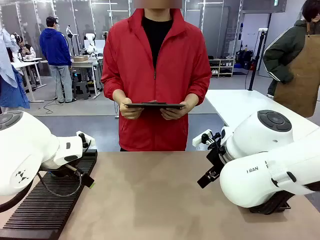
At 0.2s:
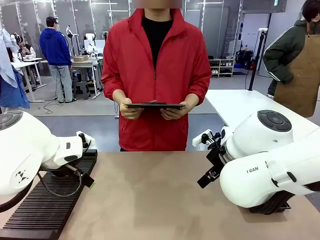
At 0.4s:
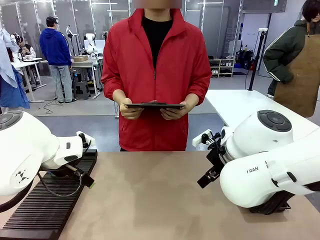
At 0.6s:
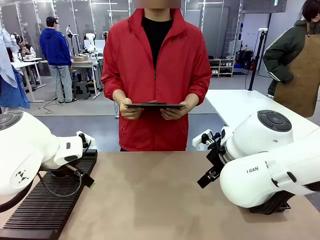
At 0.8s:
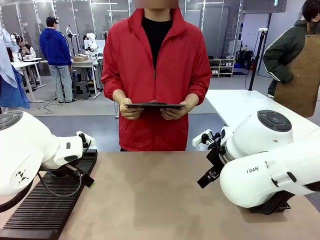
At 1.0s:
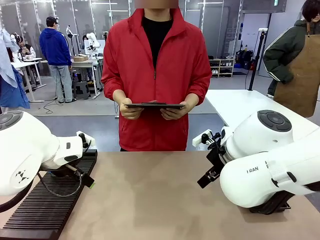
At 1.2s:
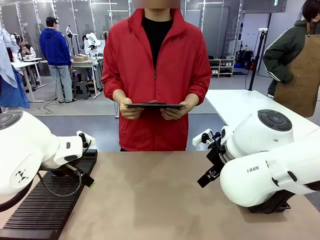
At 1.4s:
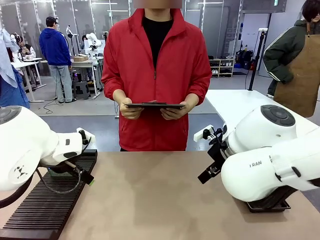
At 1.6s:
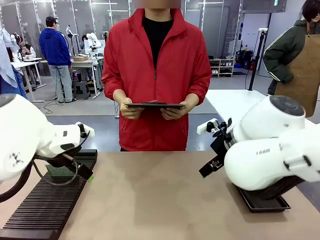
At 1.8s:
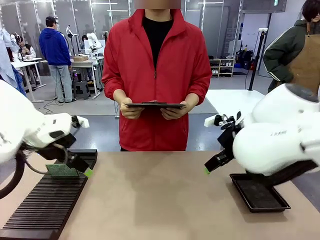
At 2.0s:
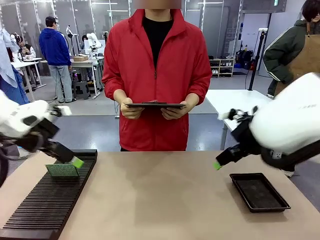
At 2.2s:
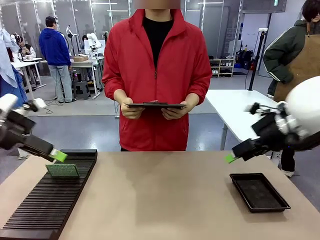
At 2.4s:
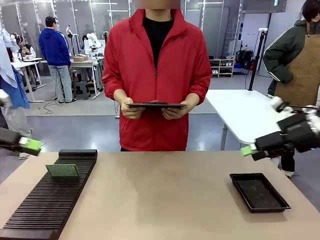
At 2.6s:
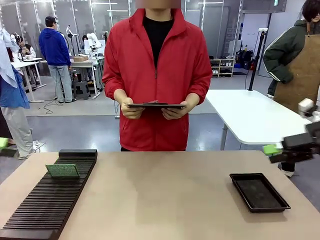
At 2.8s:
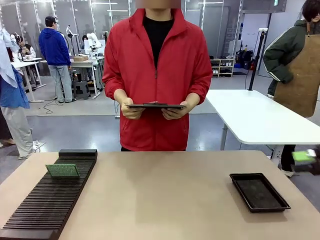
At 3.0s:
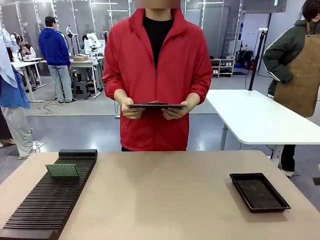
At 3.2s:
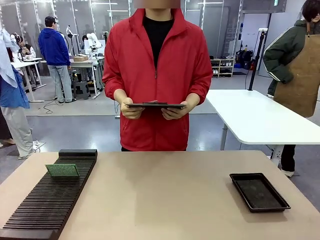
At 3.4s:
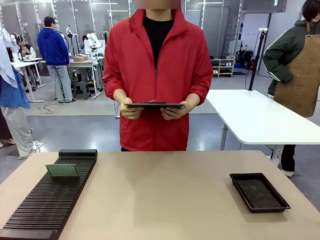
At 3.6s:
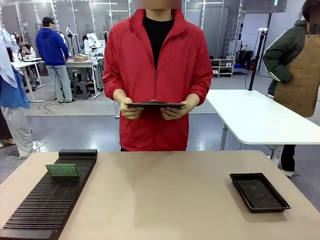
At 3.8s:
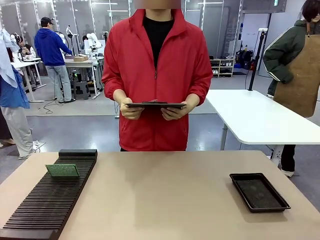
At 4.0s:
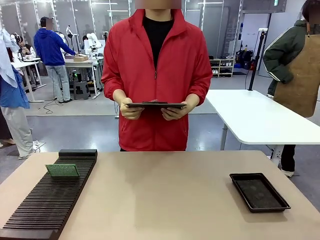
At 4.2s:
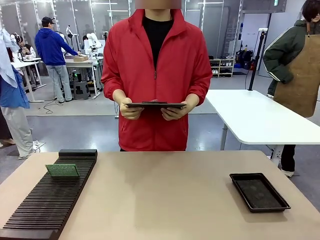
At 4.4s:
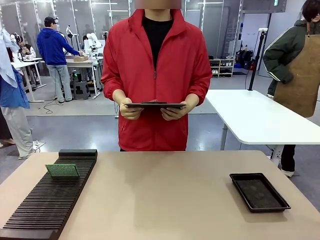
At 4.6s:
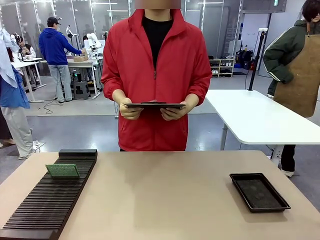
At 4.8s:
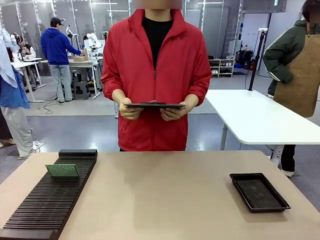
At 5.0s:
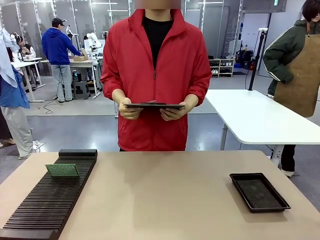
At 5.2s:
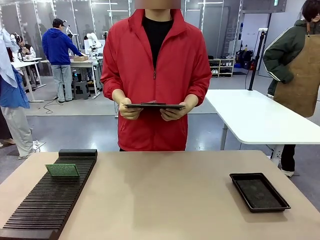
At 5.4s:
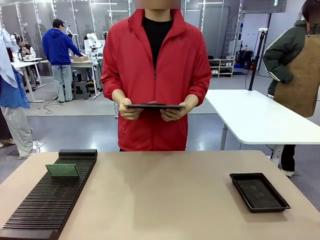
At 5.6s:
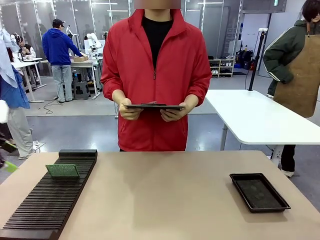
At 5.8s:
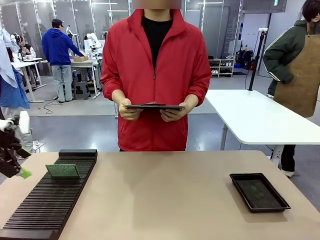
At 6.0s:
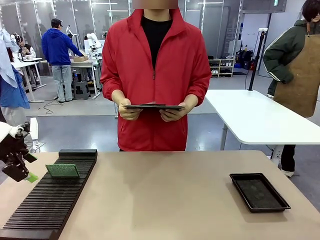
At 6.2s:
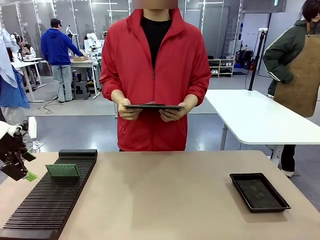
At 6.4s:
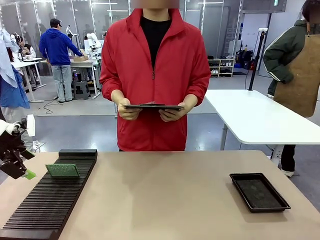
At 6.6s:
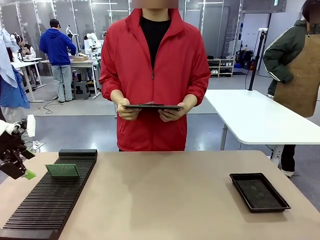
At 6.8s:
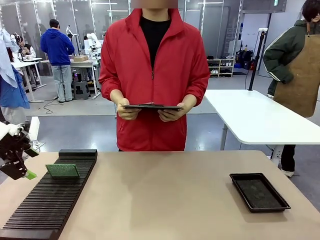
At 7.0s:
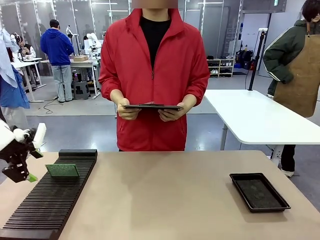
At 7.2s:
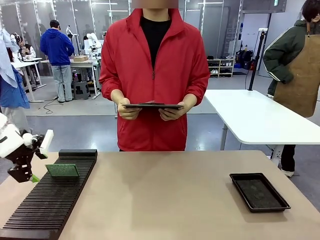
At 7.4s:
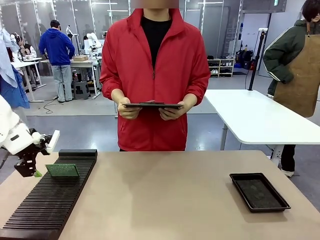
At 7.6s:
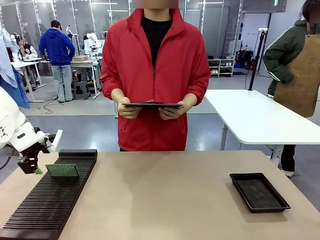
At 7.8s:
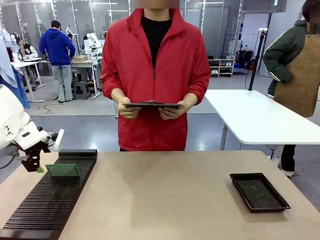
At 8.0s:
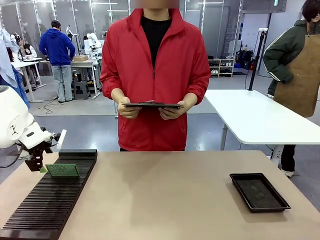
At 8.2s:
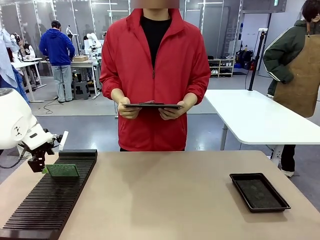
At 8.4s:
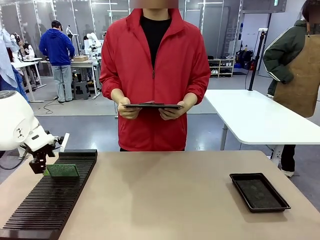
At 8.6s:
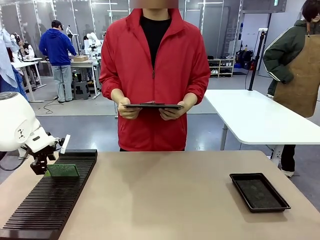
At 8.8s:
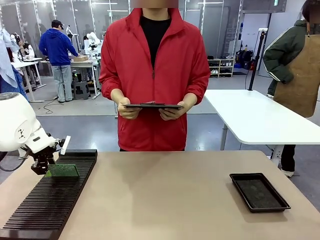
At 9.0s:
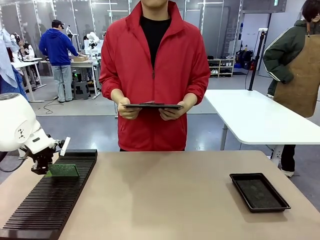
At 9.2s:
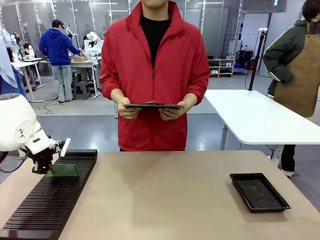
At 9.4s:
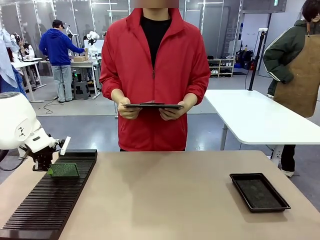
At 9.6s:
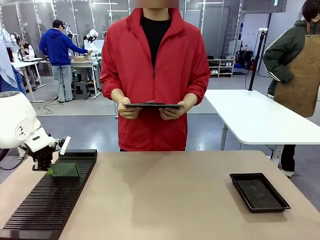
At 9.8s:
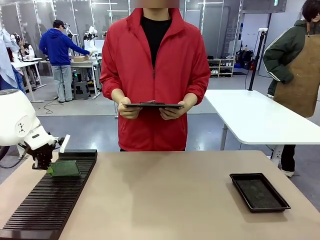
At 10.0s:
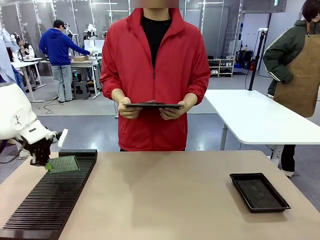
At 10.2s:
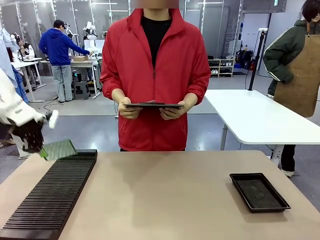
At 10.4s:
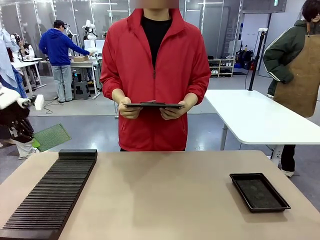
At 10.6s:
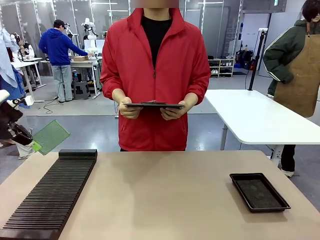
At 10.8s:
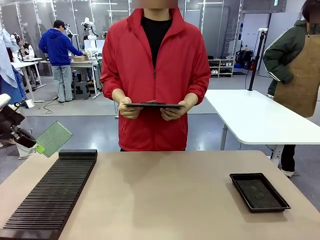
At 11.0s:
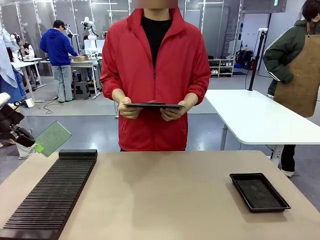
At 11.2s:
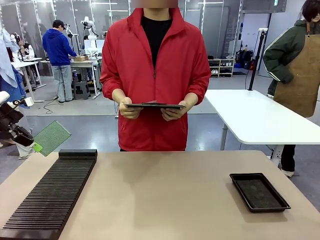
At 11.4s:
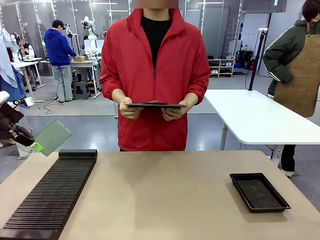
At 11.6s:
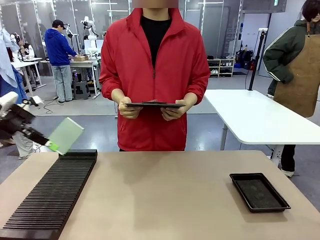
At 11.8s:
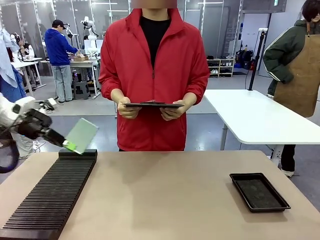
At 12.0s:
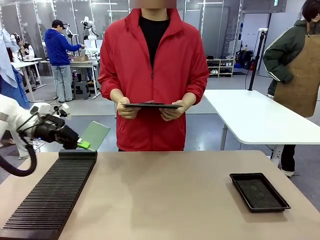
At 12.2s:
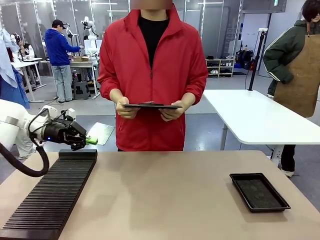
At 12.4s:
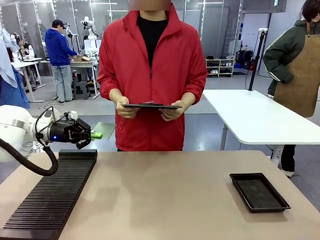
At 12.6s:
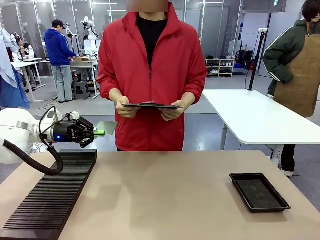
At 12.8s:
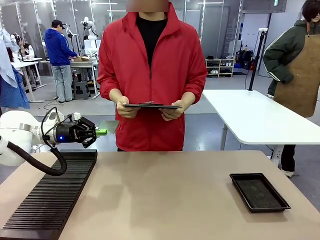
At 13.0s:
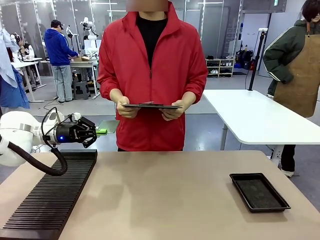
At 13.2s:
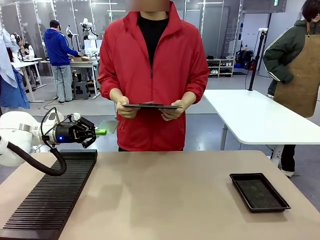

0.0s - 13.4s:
Task: Inspect the PCB.
Robot: Pick up the Blank PCB and present it to the human.
Person: Pick up the PCB presented by the robot.

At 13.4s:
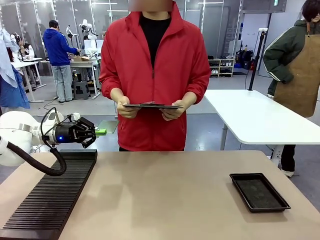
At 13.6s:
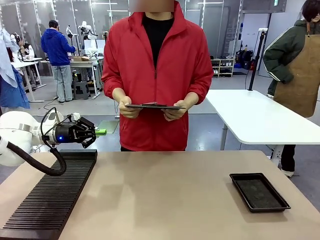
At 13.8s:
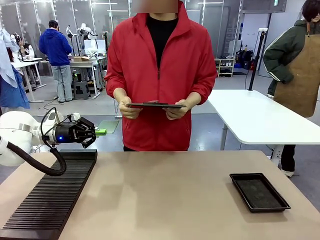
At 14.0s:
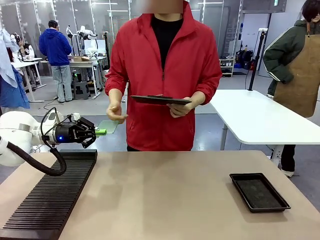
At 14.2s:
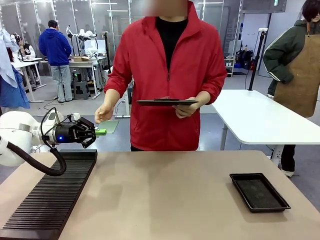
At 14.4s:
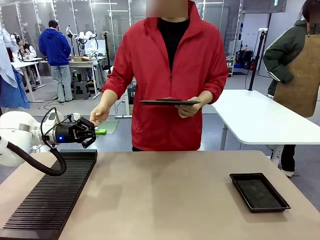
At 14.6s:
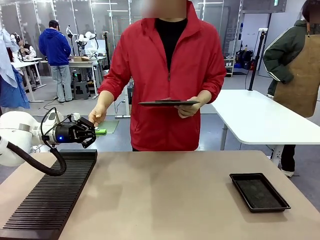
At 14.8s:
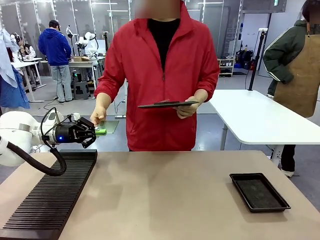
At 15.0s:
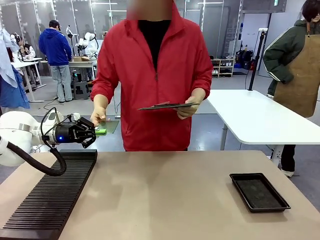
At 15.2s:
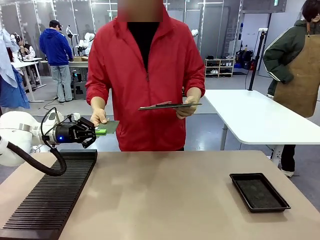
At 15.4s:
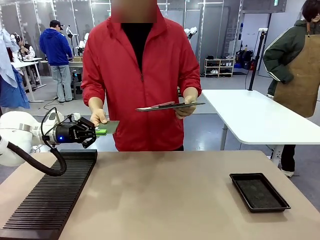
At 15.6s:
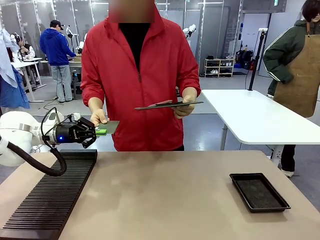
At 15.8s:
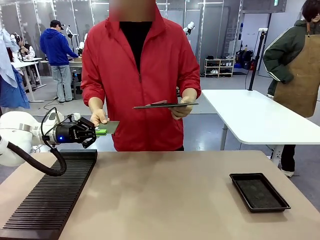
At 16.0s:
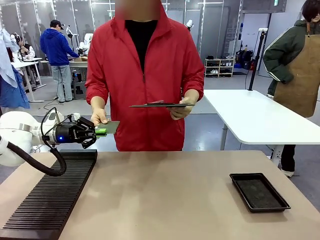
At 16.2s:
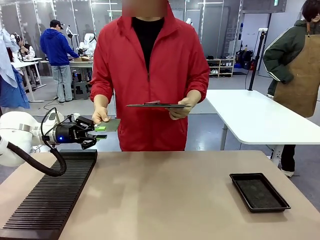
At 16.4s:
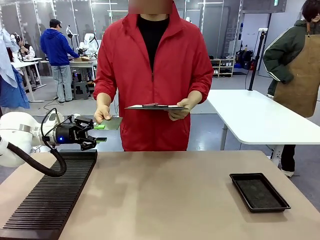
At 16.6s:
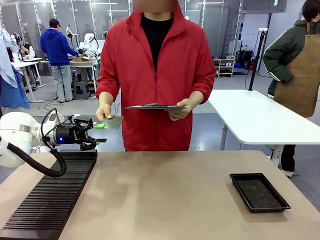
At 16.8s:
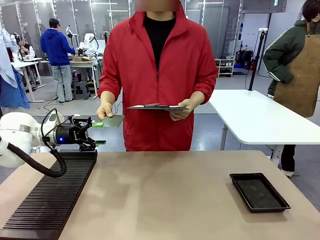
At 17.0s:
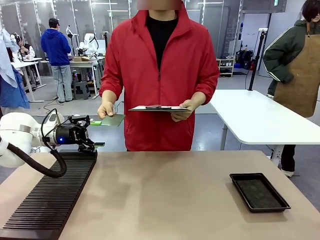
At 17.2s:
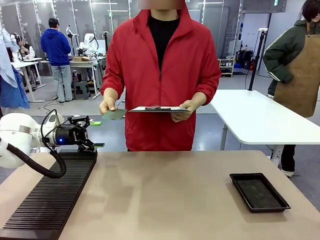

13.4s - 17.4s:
Robot: Release the Blank PCB you were holding.
